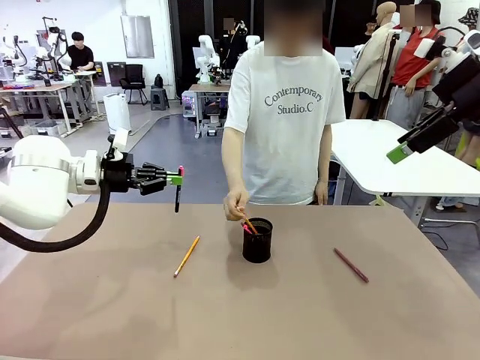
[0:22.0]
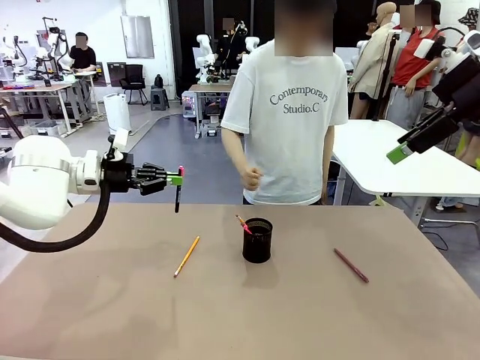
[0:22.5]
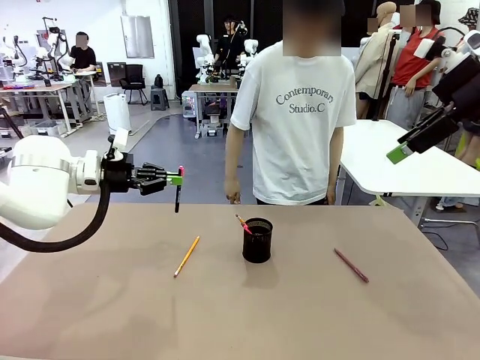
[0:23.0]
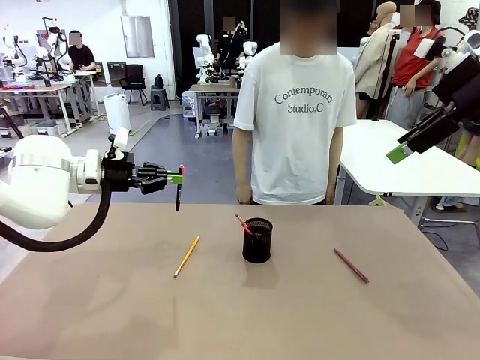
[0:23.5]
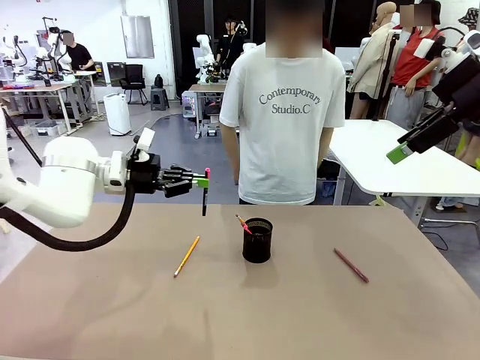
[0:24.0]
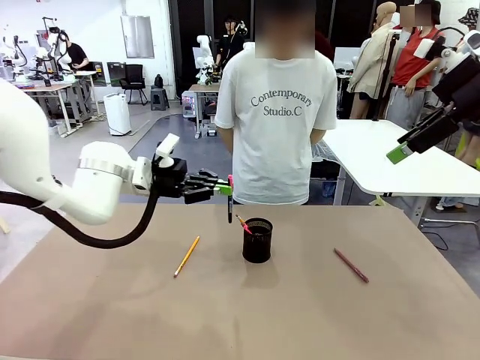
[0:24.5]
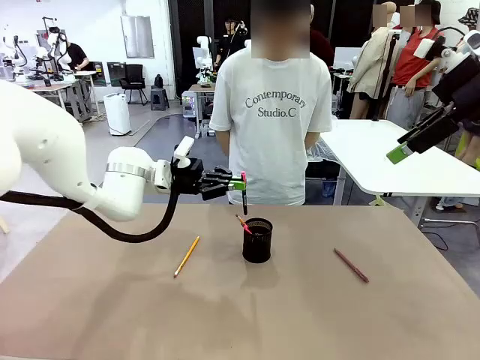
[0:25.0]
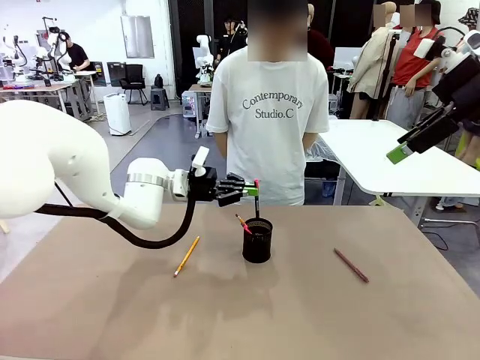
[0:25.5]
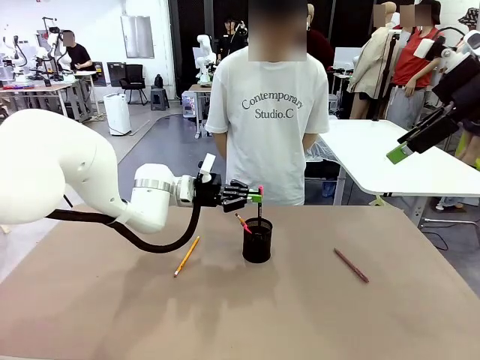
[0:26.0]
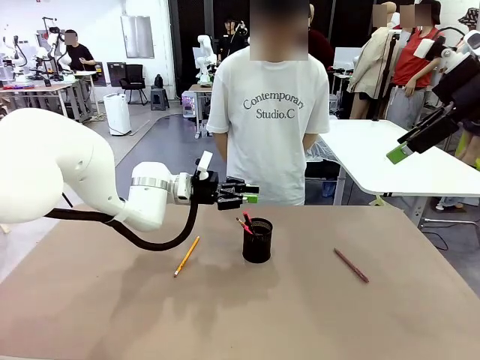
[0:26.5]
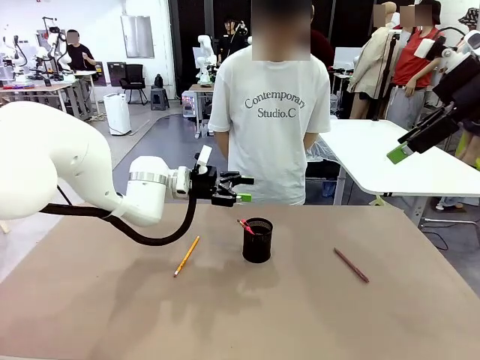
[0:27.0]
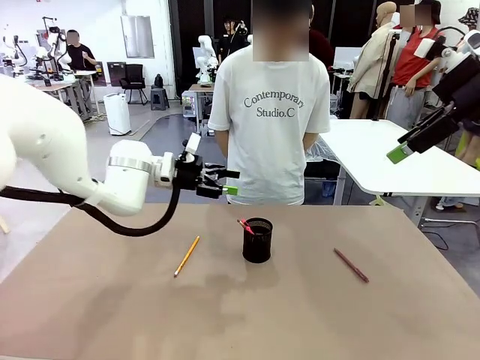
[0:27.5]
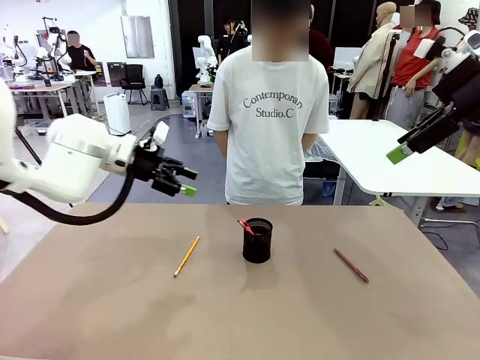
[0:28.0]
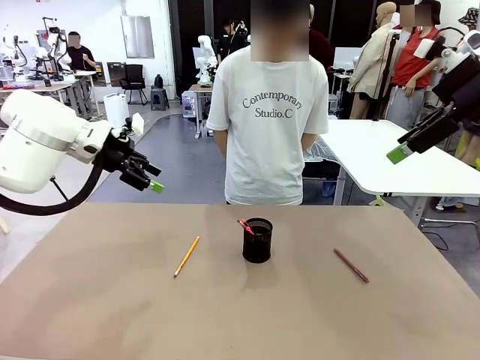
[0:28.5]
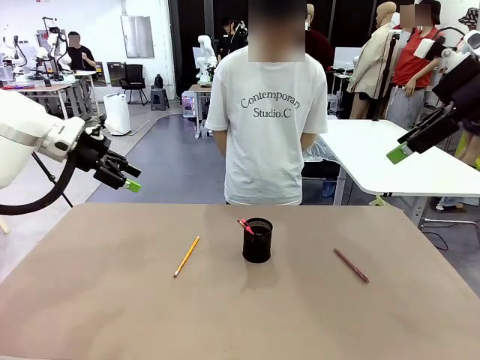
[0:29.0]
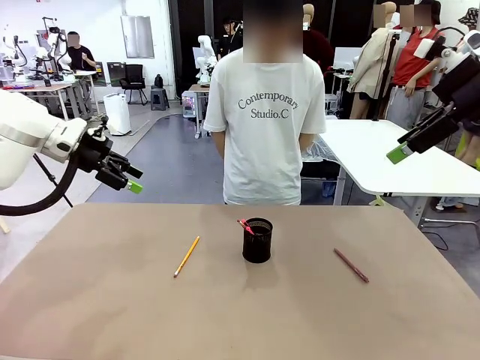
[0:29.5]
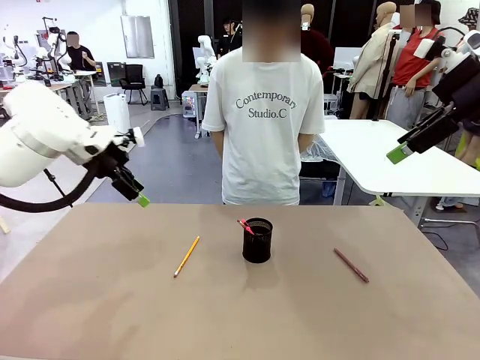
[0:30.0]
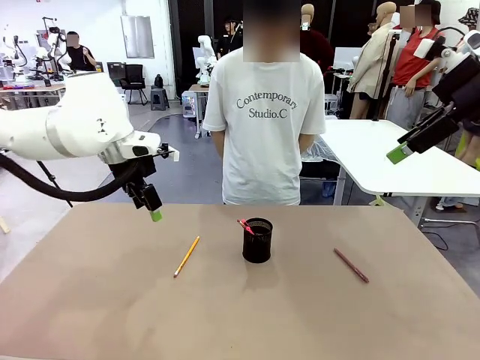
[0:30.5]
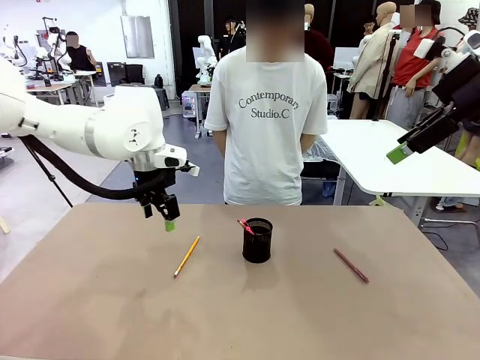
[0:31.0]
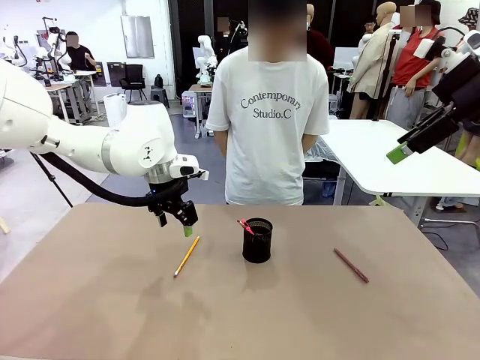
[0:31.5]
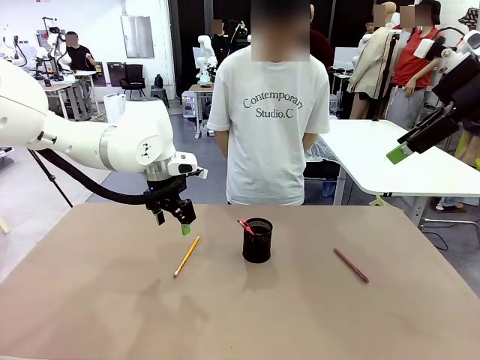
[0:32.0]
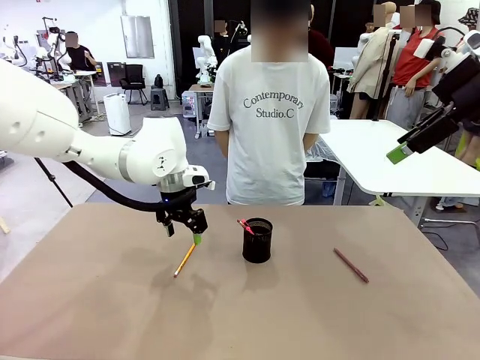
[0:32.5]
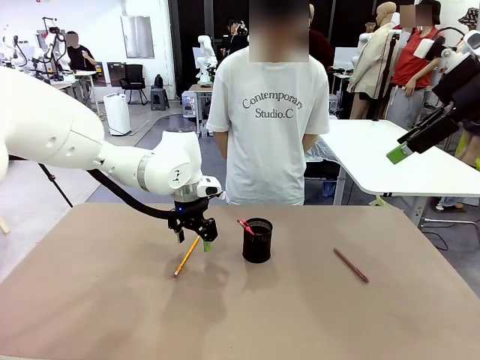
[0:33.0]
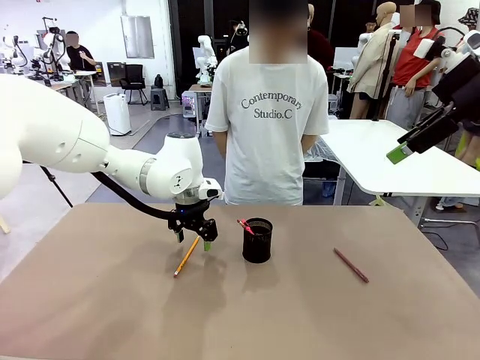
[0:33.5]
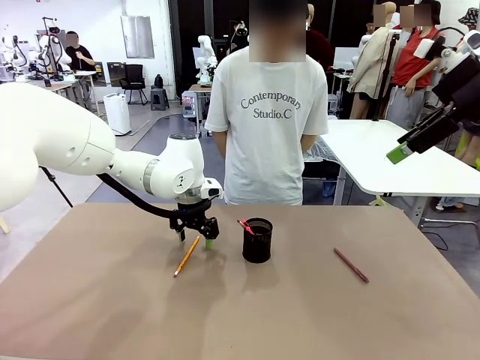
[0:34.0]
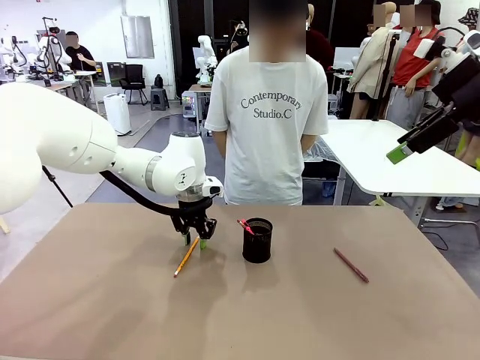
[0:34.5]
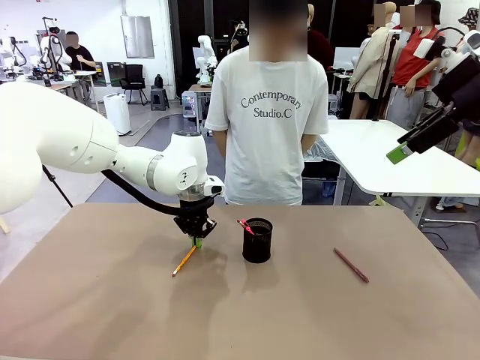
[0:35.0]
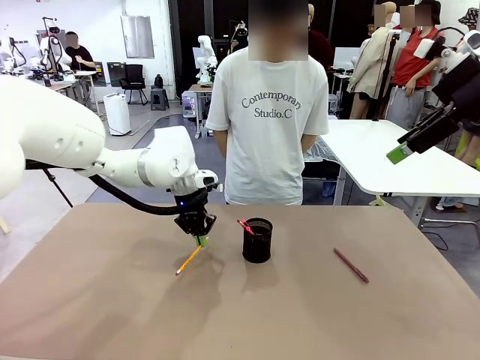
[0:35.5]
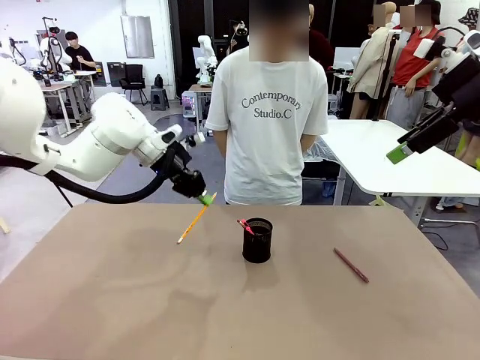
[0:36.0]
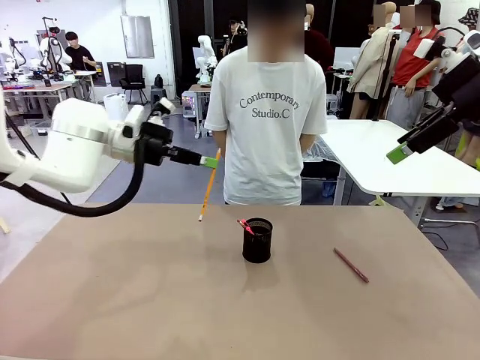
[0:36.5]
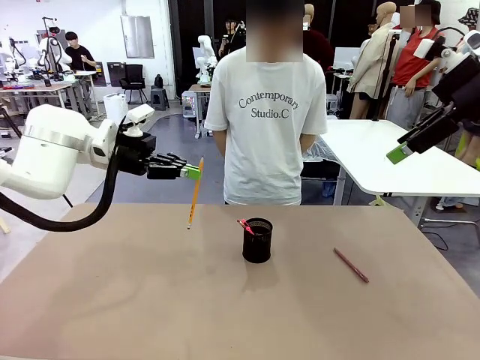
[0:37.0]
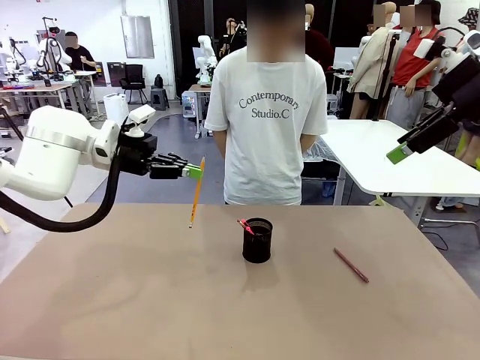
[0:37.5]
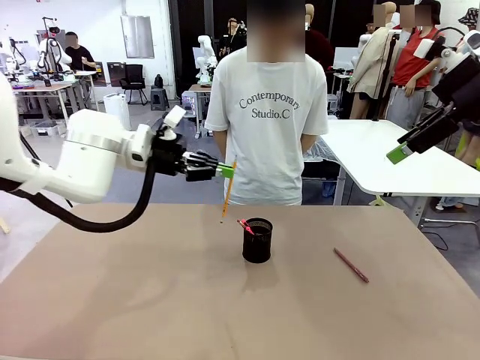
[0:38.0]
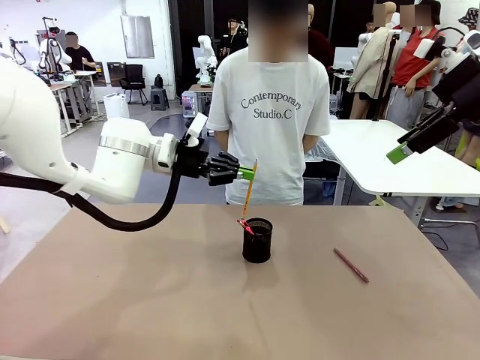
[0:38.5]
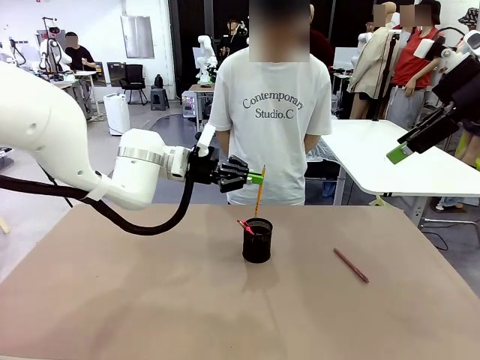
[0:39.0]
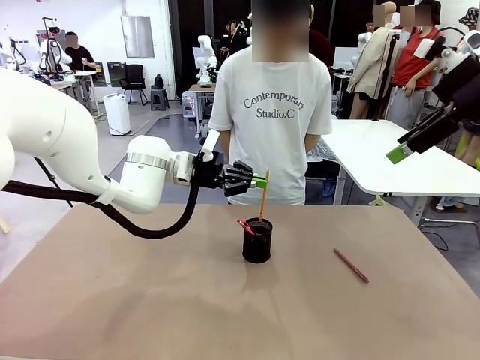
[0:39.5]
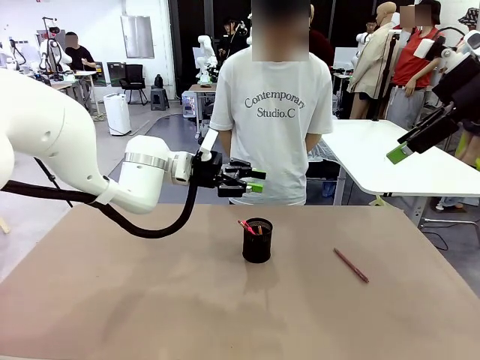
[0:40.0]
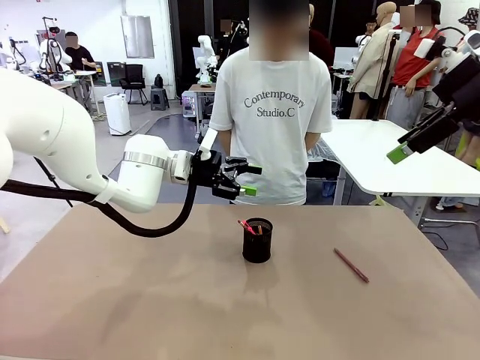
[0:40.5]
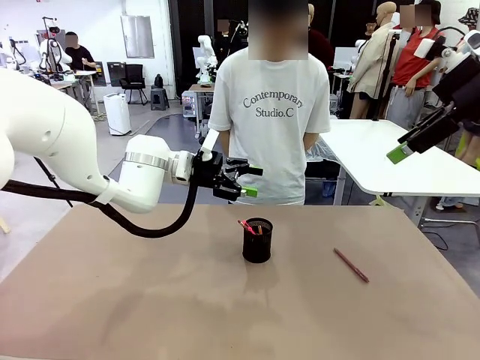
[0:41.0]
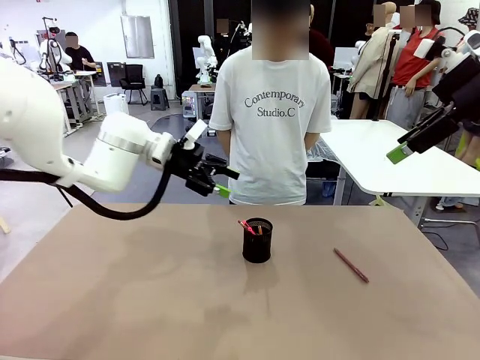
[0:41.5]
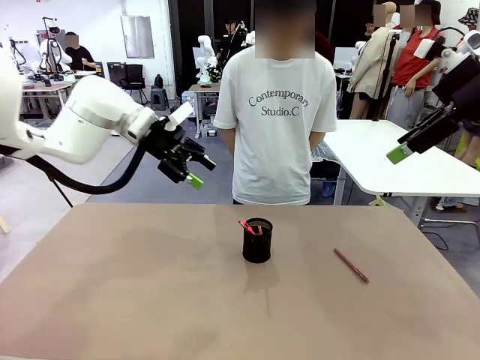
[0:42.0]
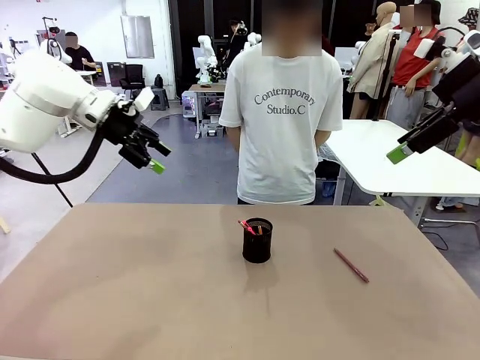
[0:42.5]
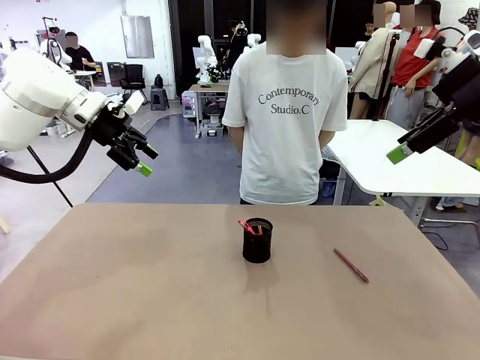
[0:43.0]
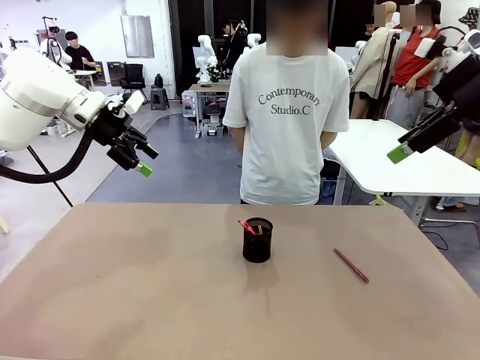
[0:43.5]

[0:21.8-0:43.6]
Task: Place the pens into the pen holder.
Robot: Pick up a writing instrument from the table and place it into the Pen holder.

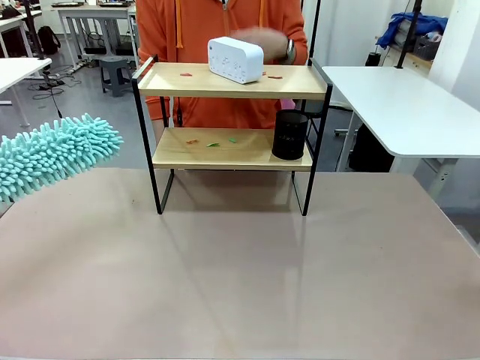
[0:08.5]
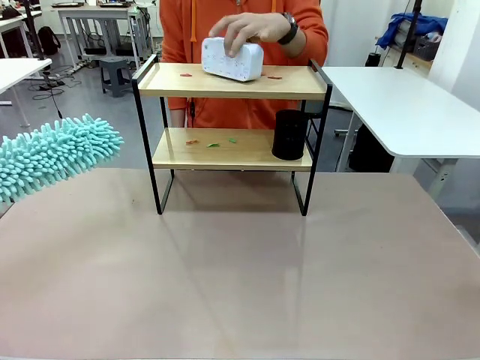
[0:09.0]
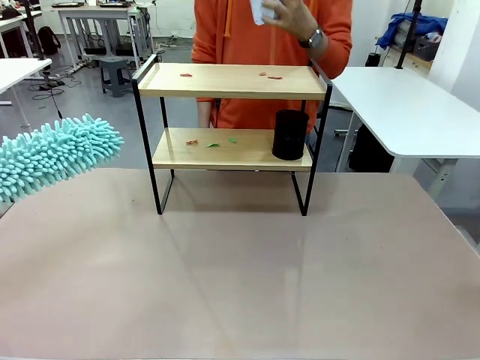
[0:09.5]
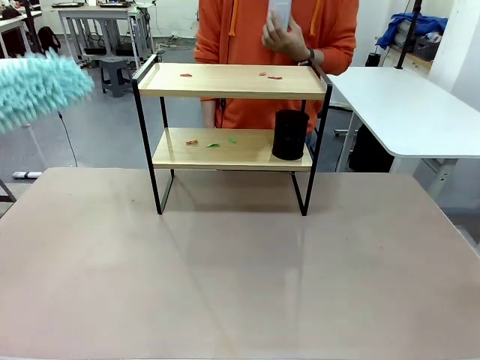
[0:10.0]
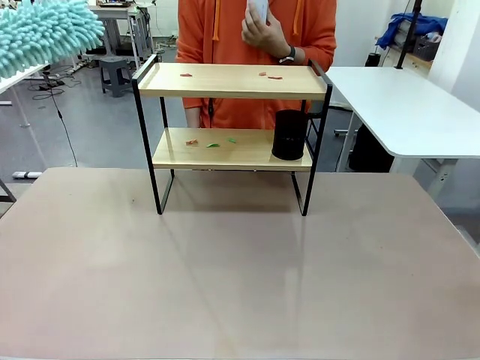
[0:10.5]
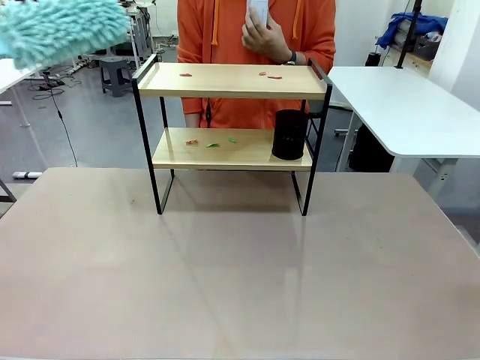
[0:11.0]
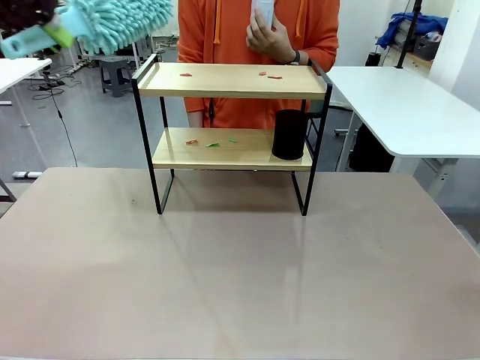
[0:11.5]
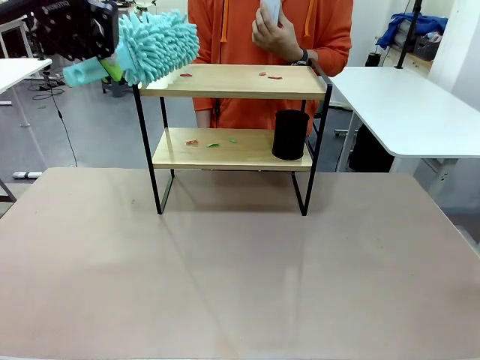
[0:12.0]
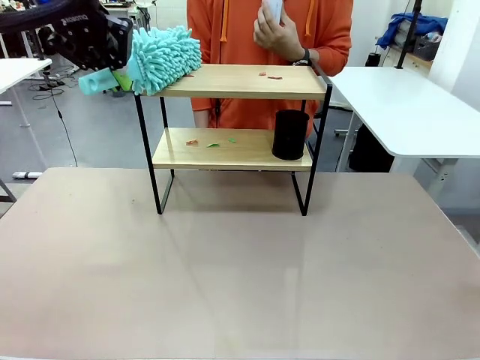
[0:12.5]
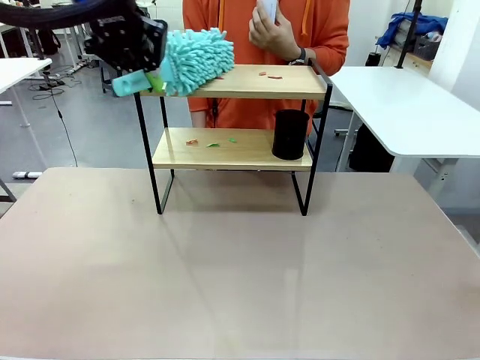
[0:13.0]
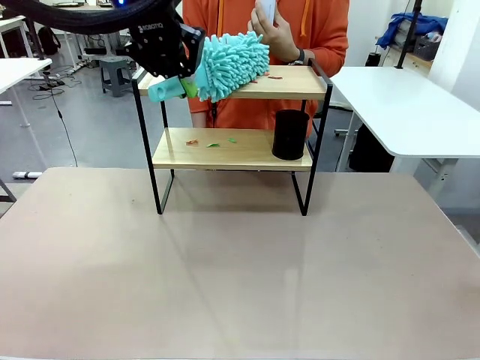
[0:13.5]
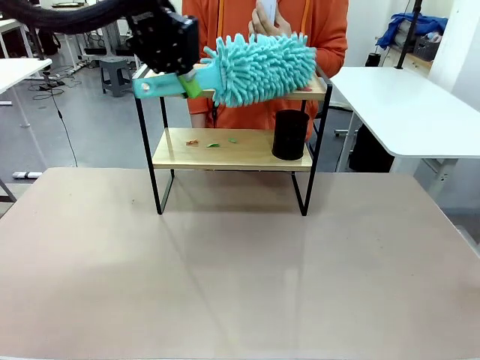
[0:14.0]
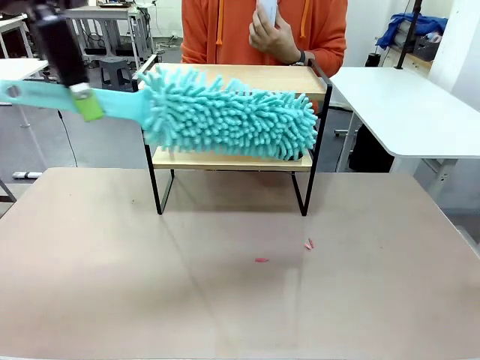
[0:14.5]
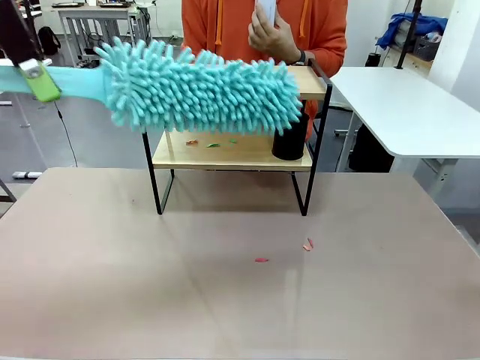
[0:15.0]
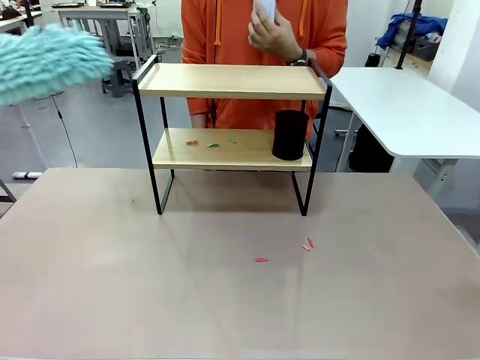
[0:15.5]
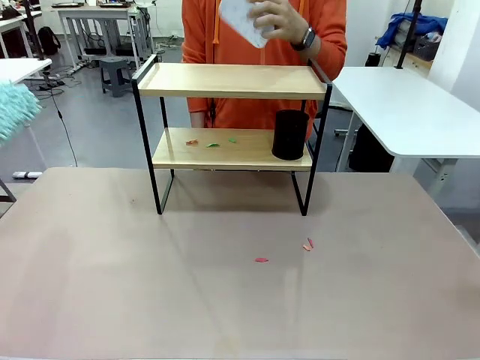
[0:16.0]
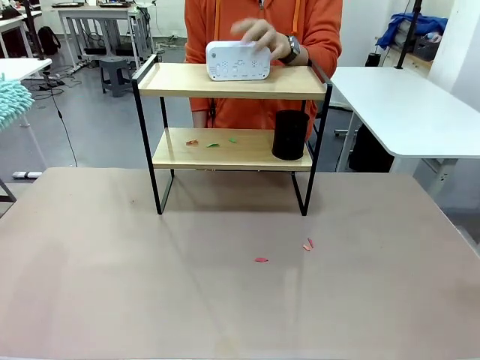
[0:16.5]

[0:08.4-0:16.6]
Task: Clean the shelf.
Robot: Clean the specific tier of the Shelf with the Duster once objects are removed.
Person: Lift the objects on a randomly selected tier of the Shelf. Once the robot finishes cleaning, lift the objects on the remaining tiers of the Shelf.
